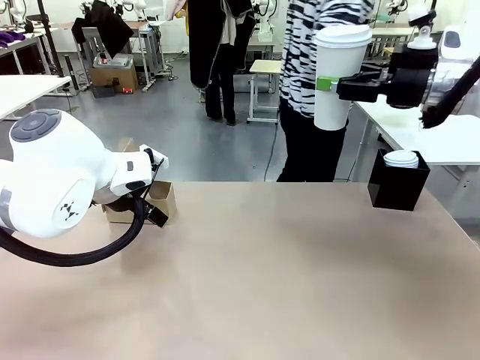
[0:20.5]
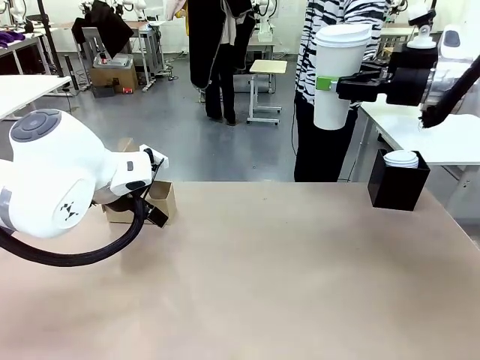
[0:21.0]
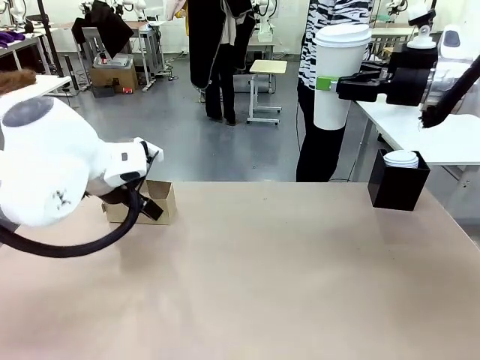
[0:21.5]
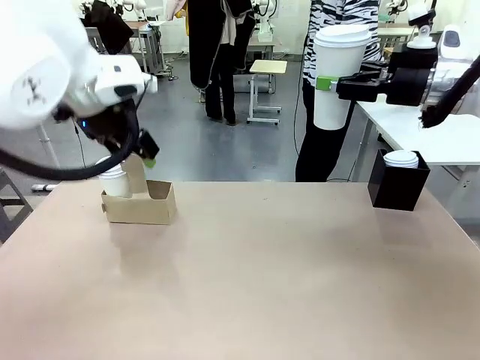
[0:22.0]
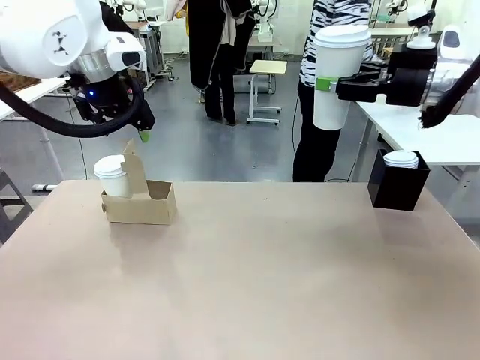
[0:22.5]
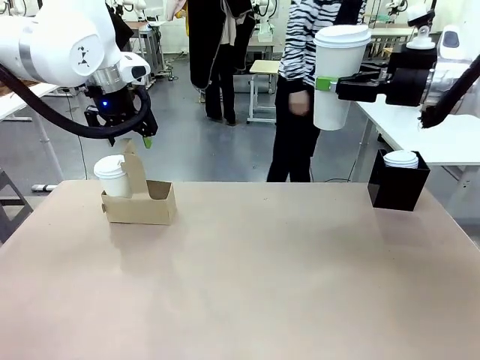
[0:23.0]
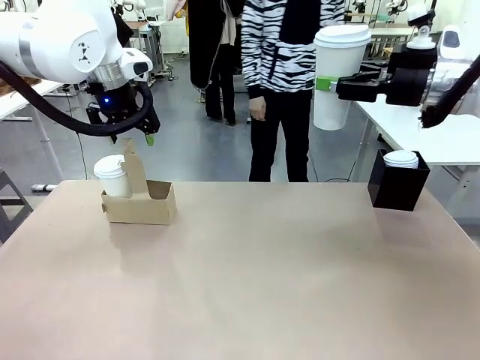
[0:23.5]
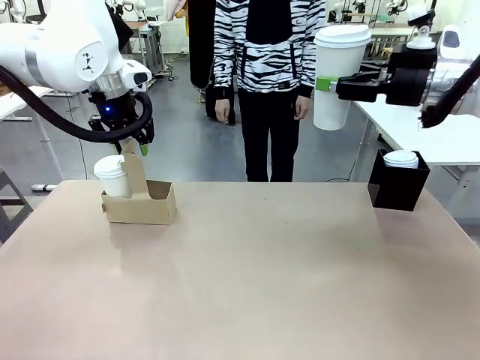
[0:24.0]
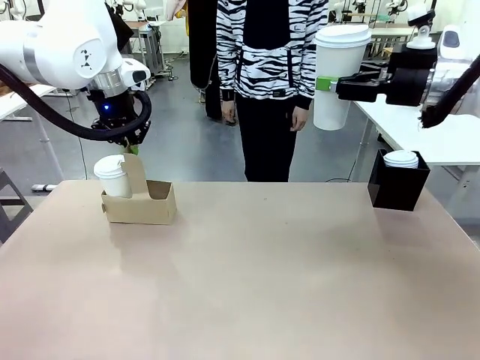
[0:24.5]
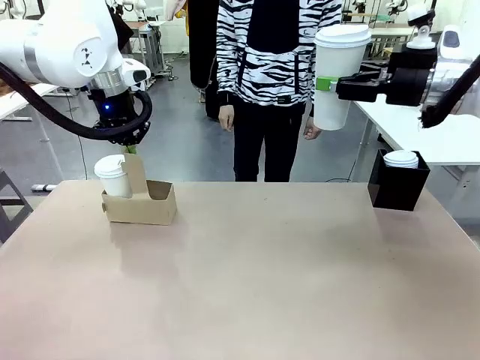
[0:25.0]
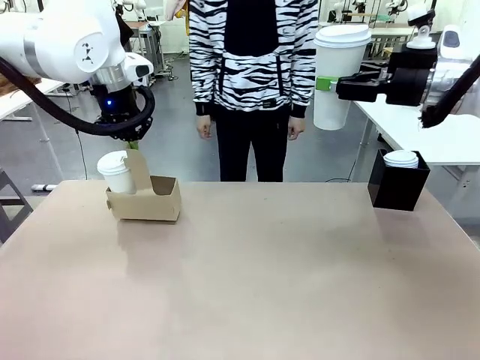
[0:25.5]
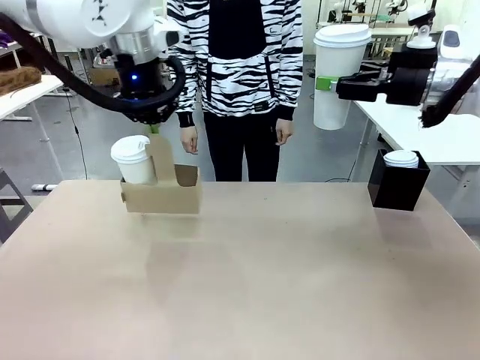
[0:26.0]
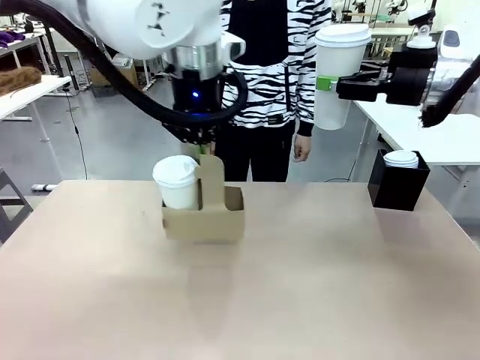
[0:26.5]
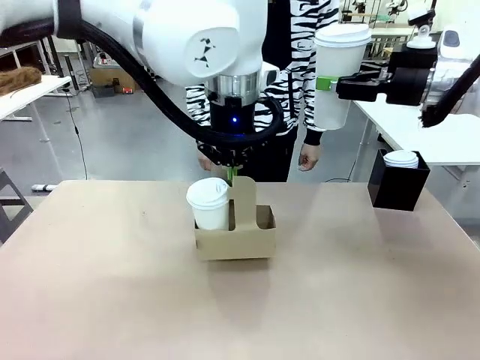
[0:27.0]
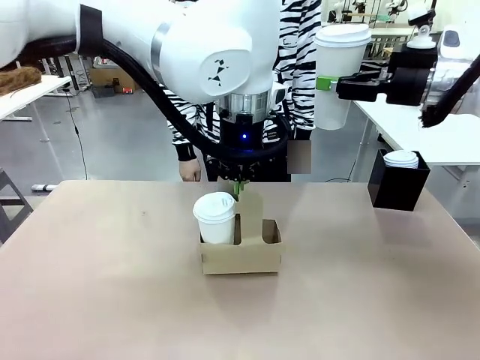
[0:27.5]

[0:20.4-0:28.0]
Task: Pour a drink into a cup and package it in a carrier.
Robot: Position the Cup Carrier in the center of the table.
Person: Pick up the Filter Brewing and place on the middle of Human table, and return to the Robot table.

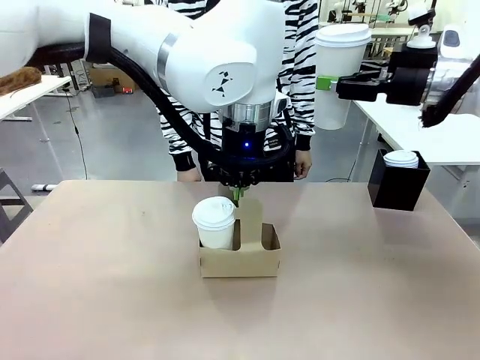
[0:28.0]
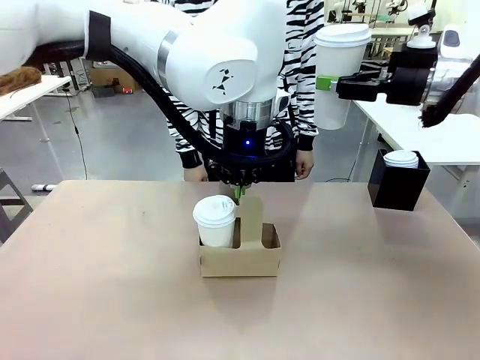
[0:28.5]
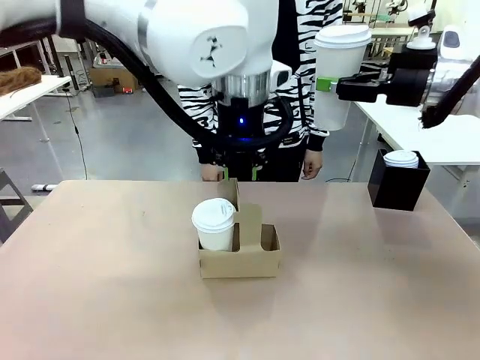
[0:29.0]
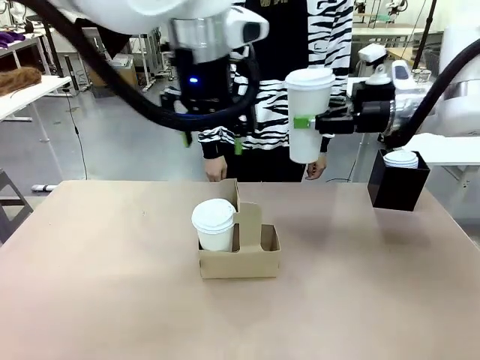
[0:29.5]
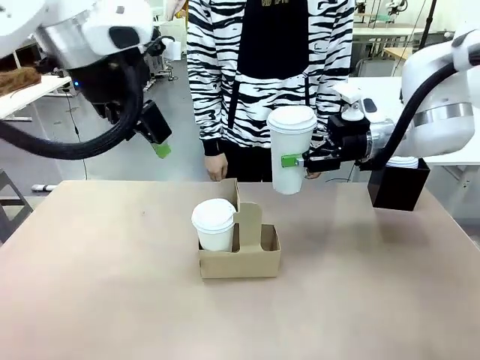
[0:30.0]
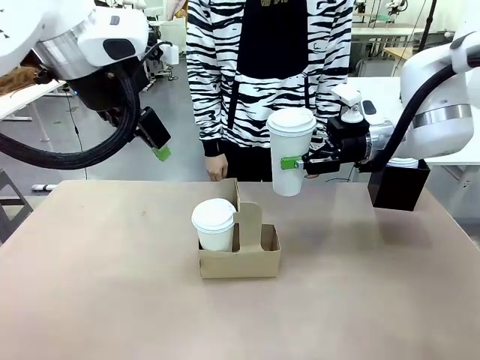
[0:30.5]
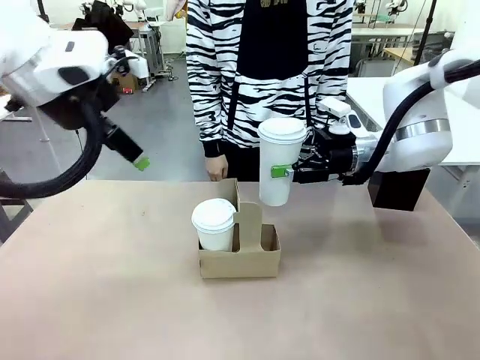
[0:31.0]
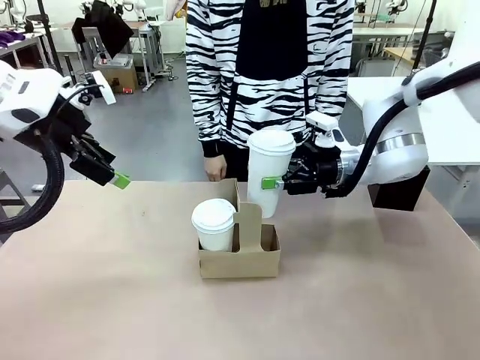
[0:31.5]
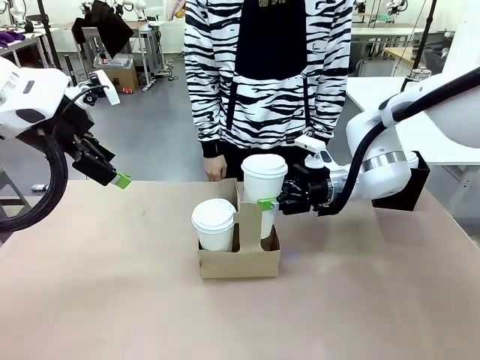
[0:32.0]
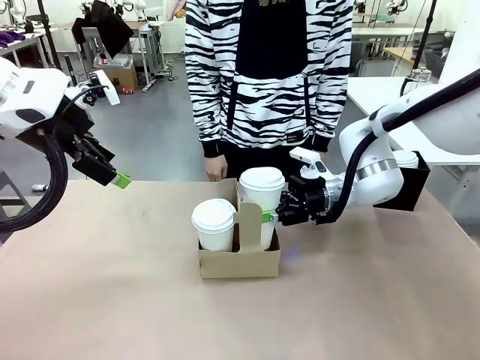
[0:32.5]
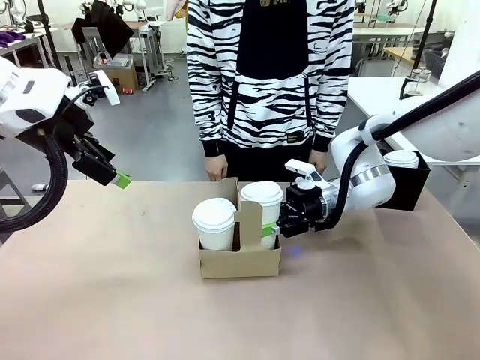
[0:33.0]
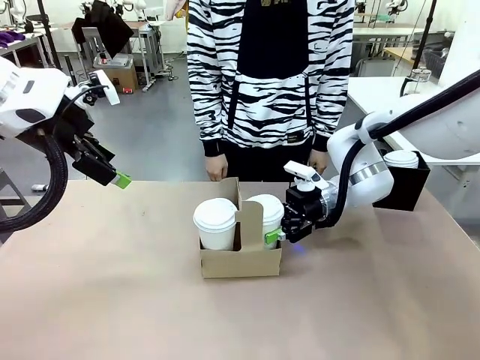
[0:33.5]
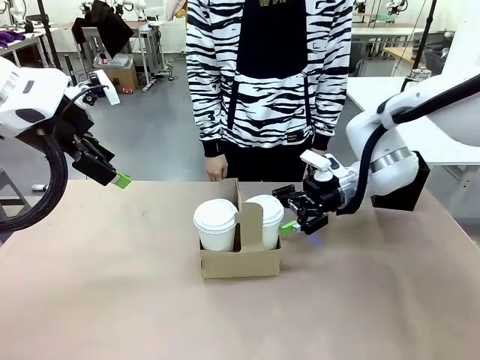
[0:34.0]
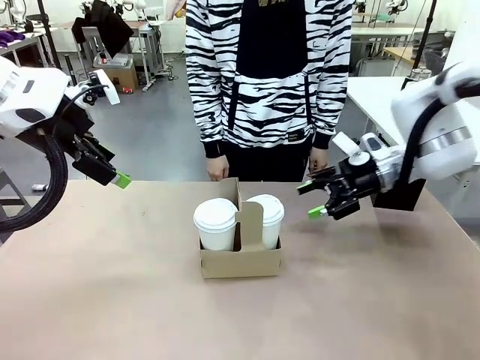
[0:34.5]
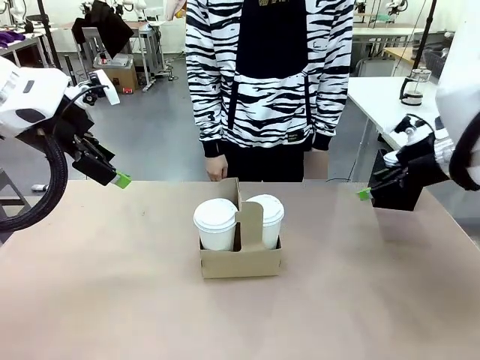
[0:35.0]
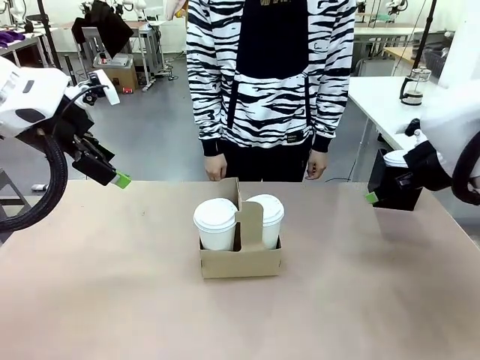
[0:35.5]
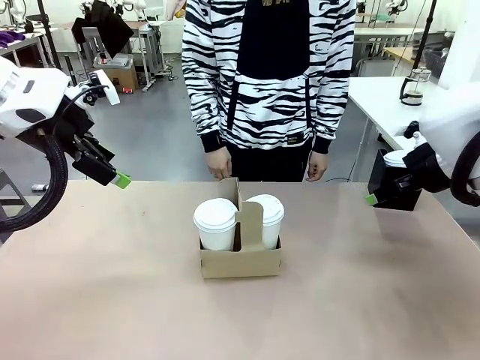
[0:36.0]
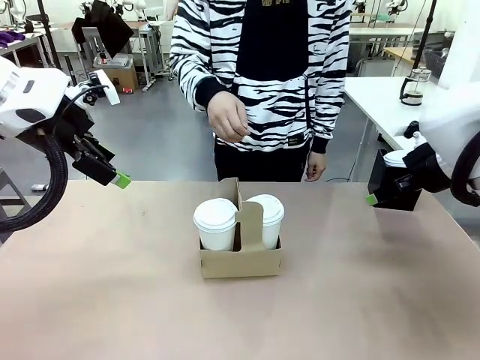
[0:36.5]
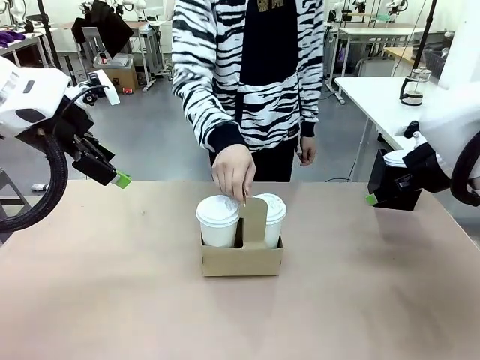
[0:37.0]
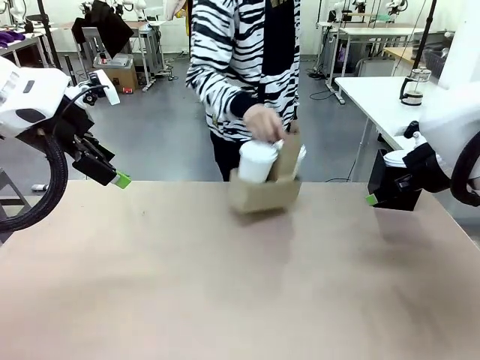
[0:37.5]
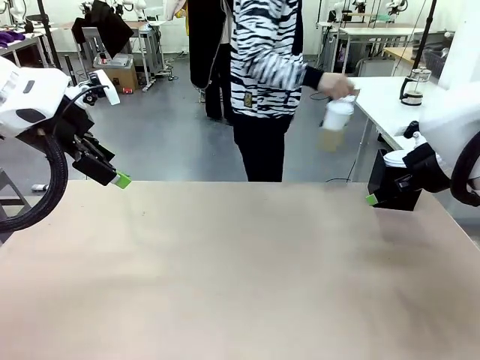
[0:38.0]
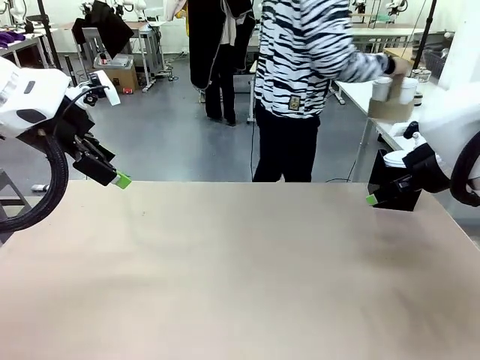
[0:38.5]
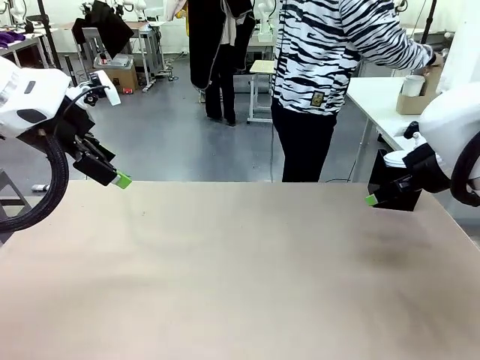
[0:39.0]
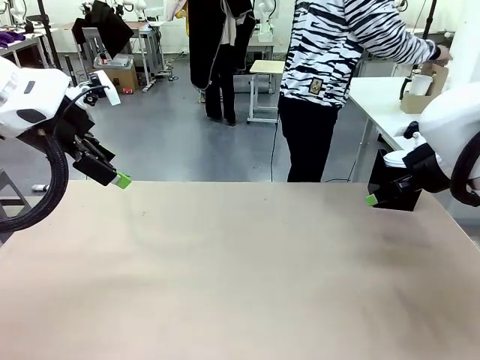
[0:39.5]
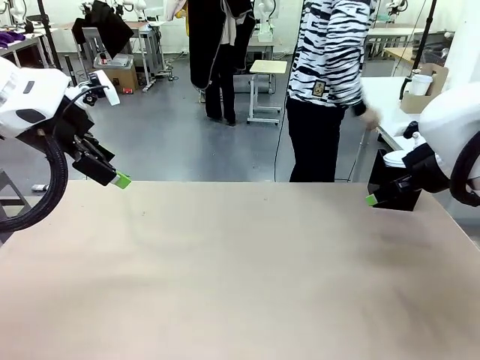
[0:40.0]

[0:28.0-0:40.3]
Robot: Insert the held 600 ml Paper Cup into the Cup Carrier.
Person: Place the Cup Carrier to the middle of Human table.

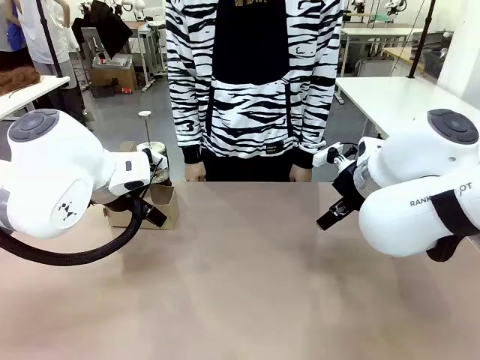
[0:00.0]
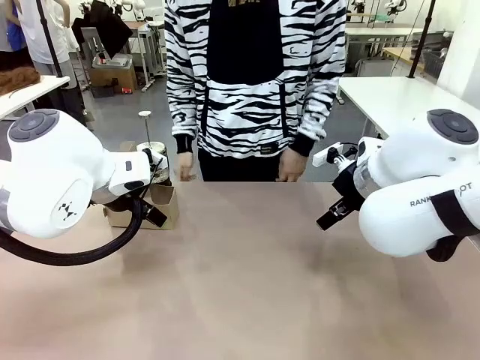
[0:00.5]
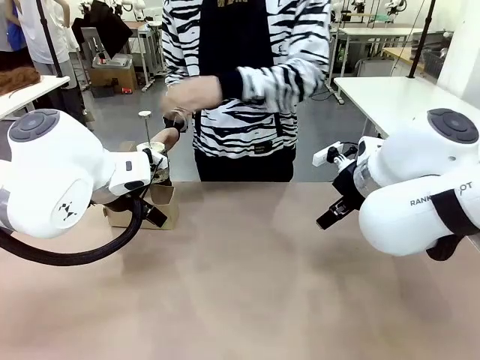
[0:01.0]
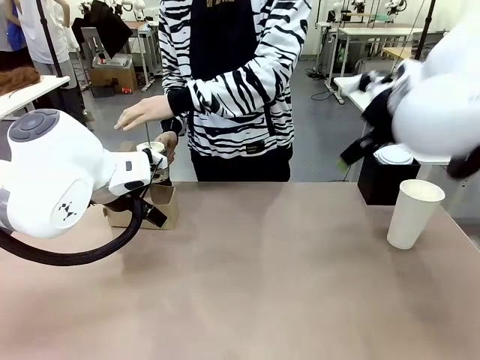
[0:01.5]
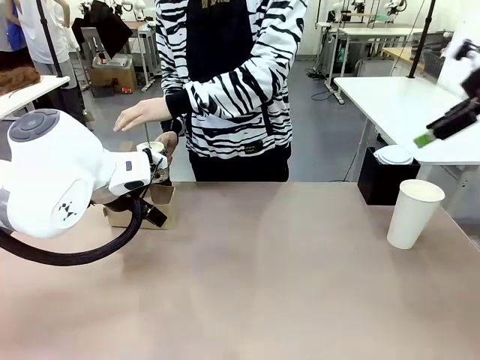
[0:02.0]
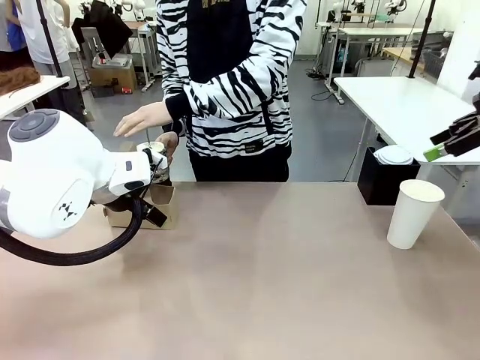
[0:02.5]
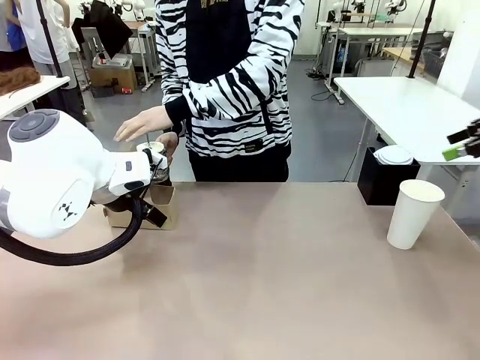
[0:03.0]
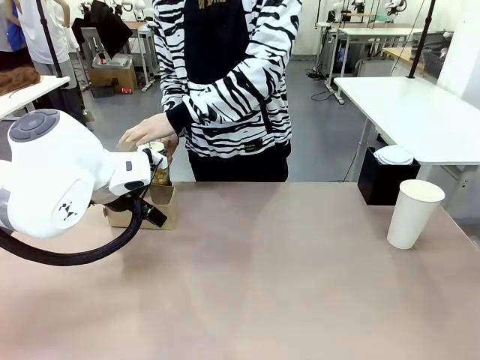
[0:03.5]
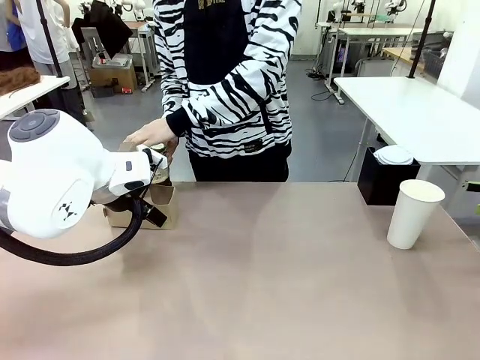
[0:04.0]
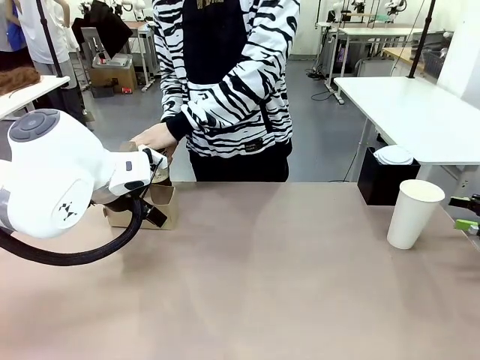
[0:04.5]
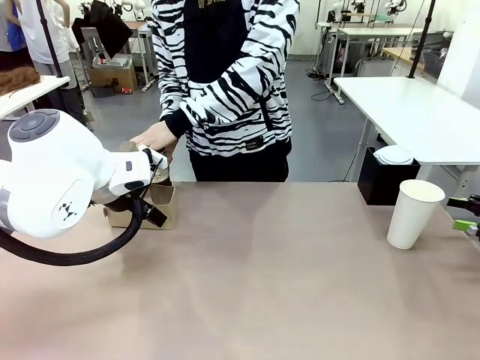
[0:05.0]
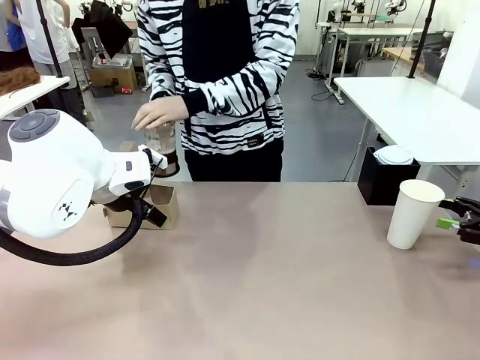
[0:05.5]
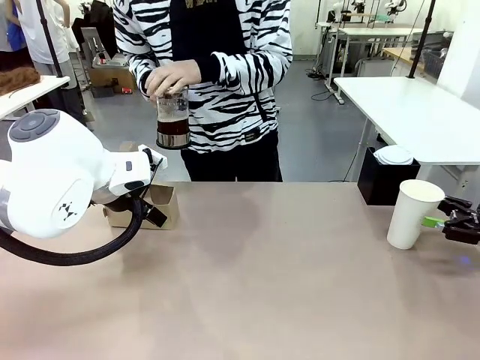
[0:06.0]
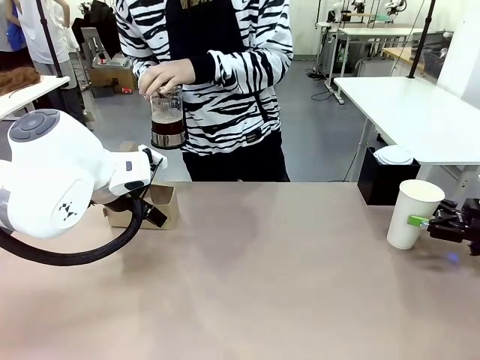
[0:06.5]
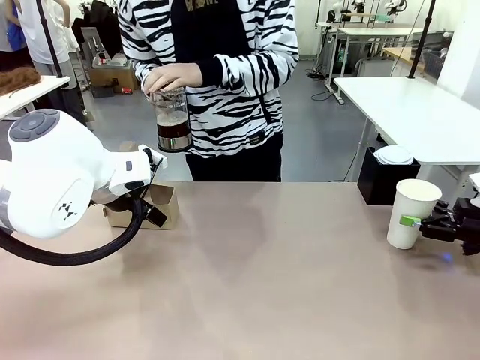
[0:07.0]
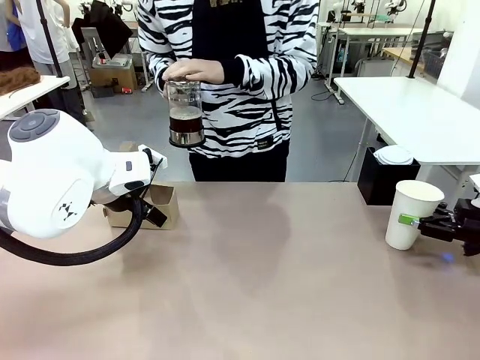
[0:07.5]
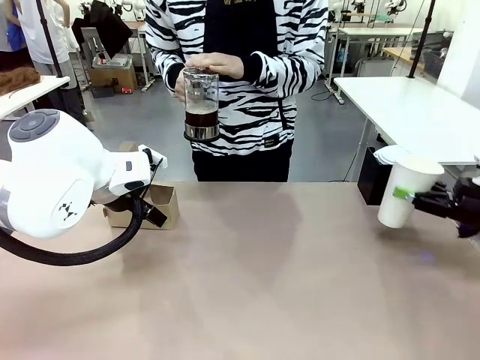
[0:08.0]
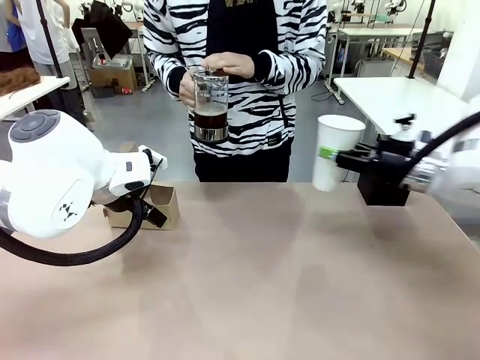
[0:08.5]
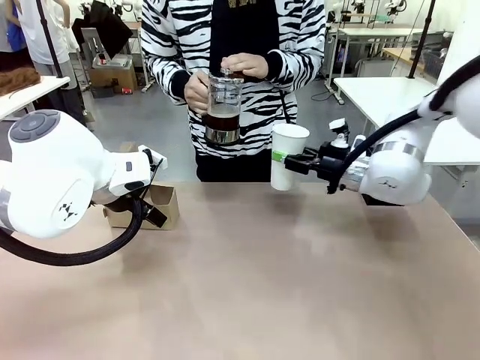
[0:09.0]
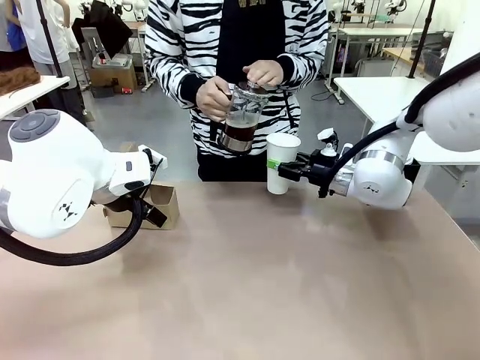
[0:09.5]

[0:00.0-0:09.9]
Task: Pour a drink into a cup and package it in a carrier.
Robot: Pick up the 600 ml Paper Cup and place it in the middle top area of the table.
Person: Press and pick up the Filter Brewing.
